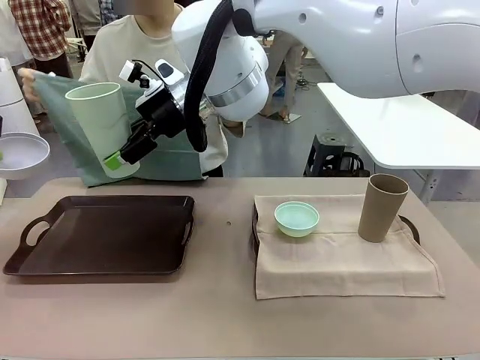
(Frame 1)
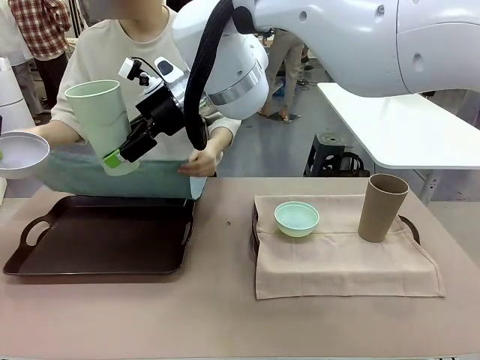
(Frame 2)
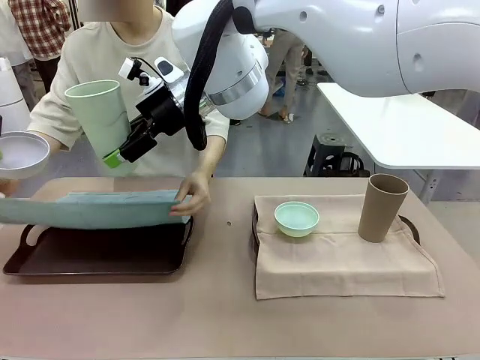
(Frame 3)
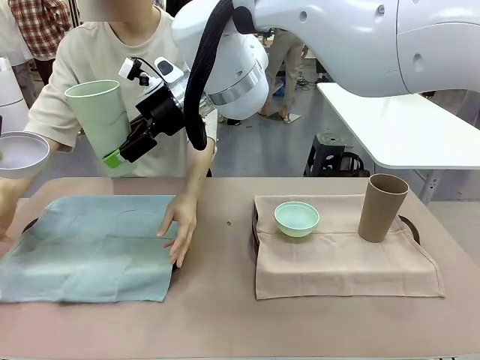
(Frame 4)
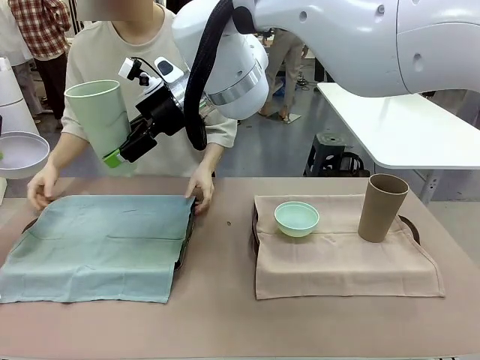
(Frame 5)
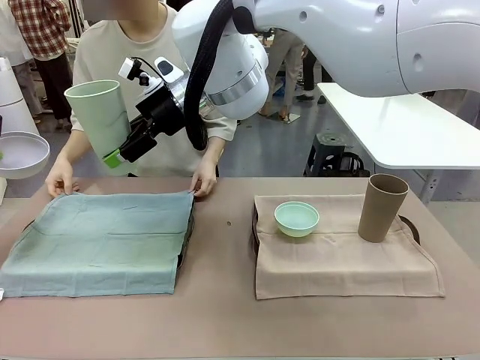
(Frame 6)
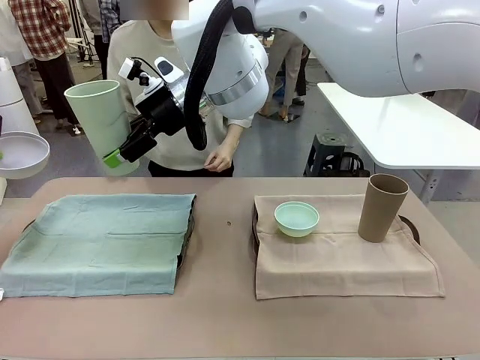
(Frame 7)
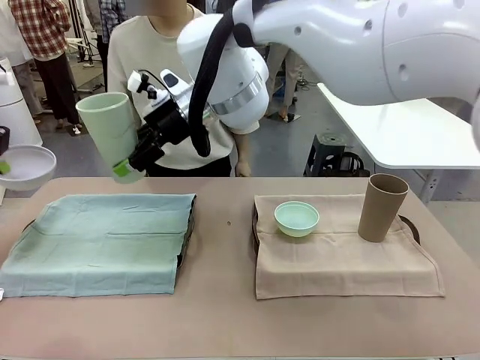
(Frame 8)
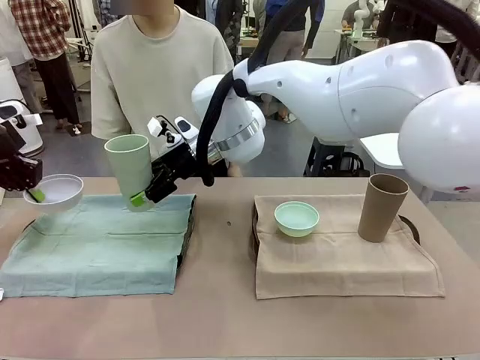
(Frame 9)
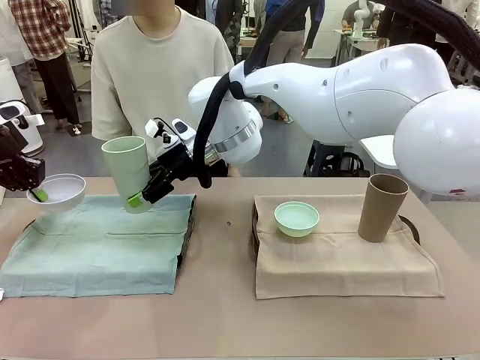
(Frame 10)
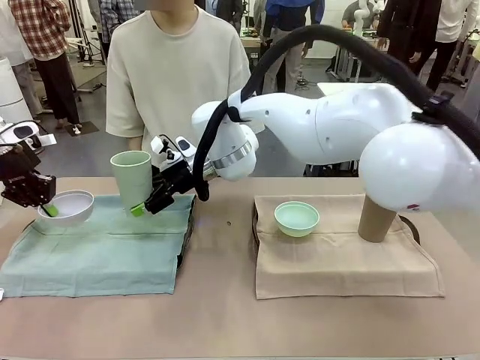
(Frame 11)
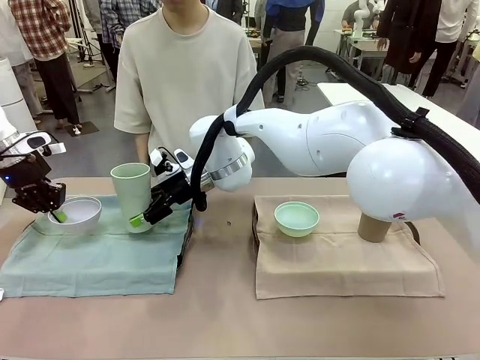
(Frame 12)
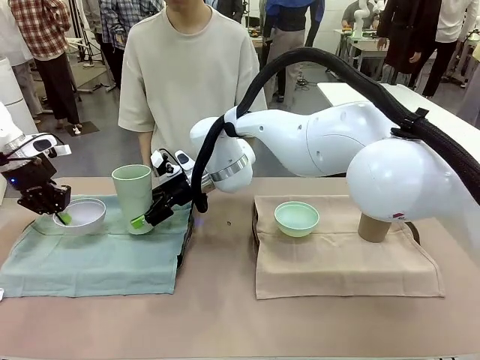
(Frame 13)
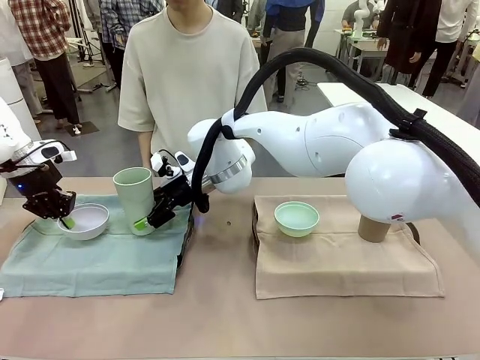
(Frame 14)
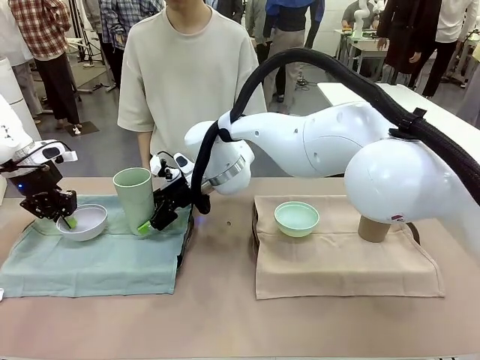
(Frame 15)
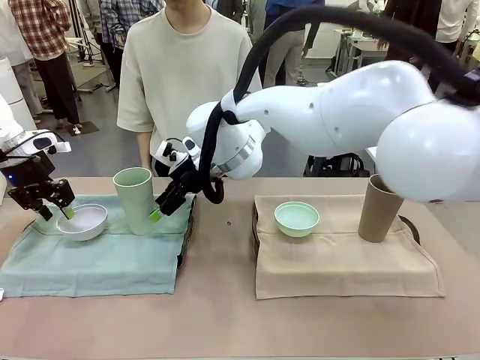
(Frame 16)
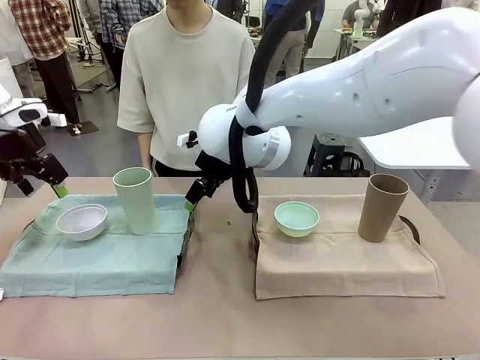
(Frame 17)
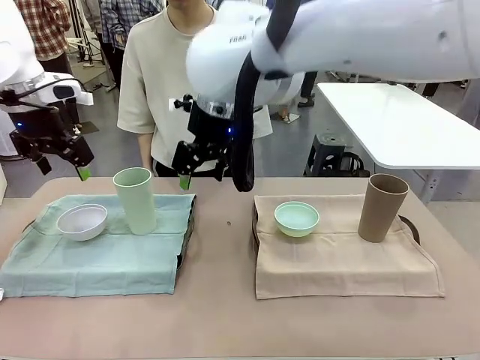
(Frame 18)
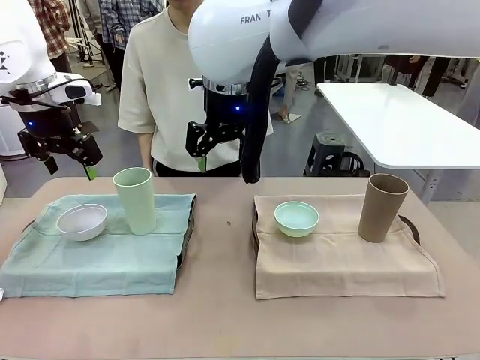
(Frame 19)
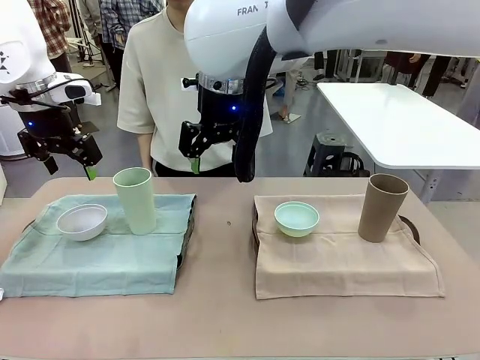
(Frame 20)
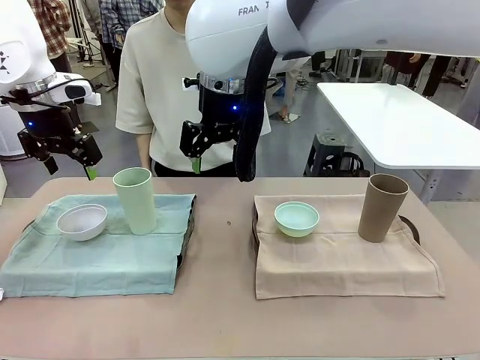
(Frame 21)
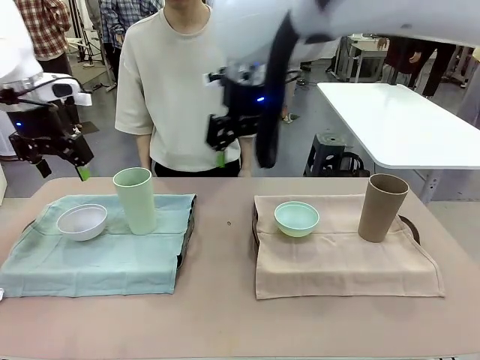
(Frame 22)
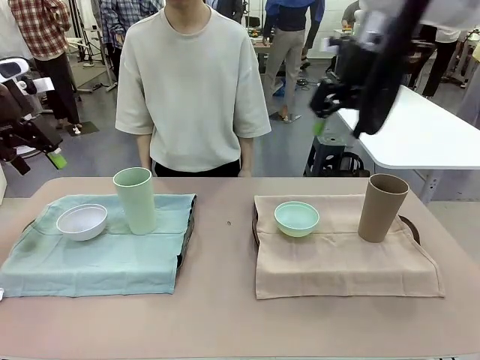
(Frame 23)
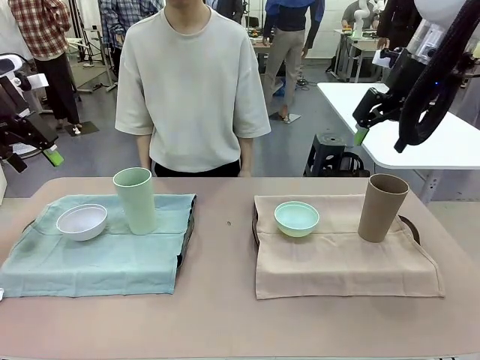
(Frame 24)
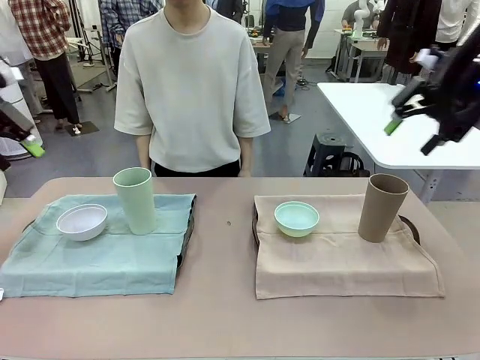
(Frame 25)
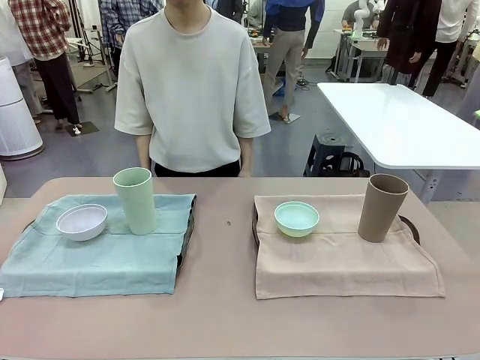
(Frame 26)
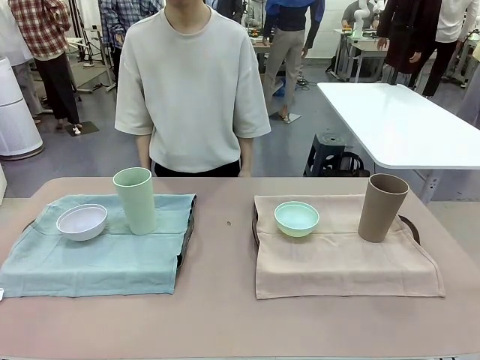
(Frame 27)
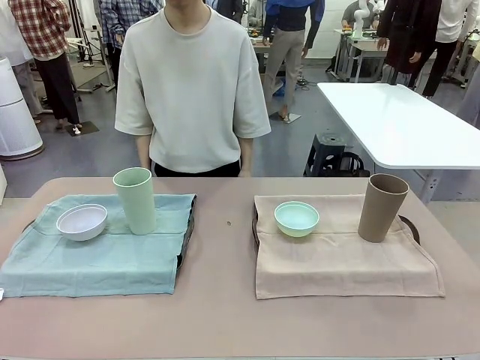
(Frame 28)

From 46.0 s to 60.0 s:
Robot: Place the Picnic Bowl and Reusable plastic cup back onto the Handle tray in front of the human's position.

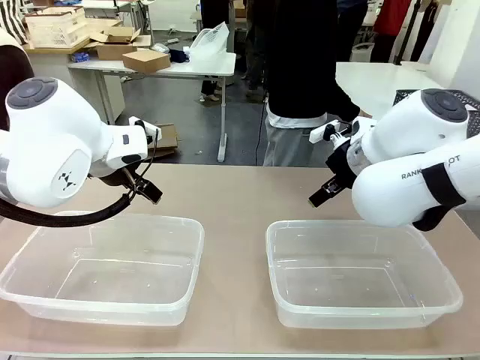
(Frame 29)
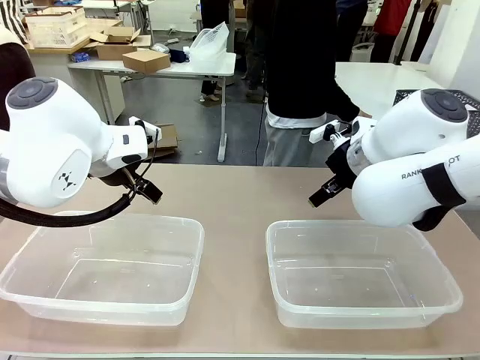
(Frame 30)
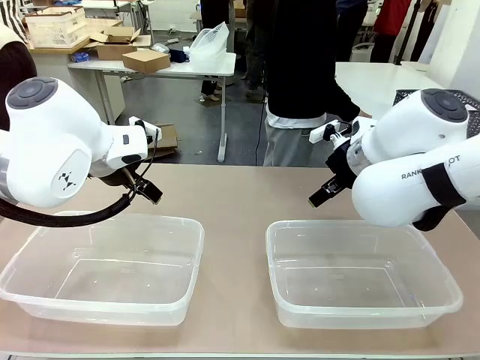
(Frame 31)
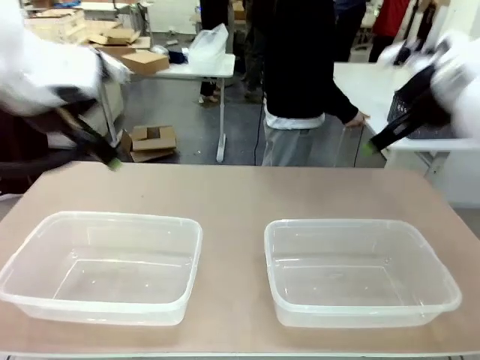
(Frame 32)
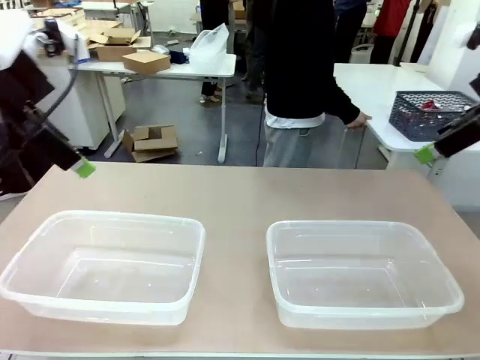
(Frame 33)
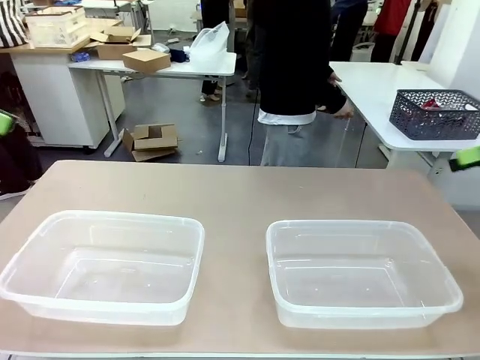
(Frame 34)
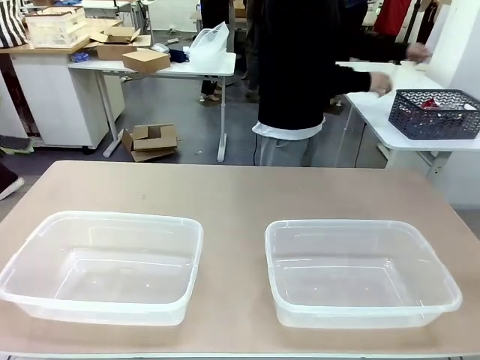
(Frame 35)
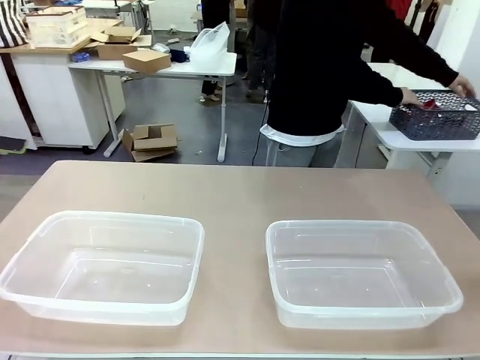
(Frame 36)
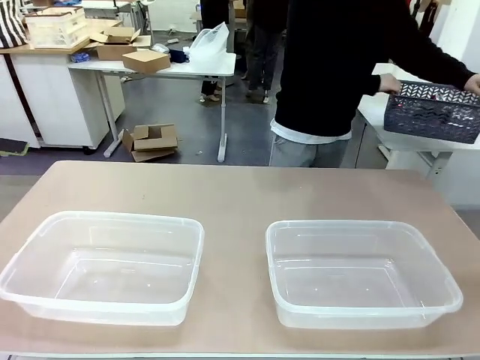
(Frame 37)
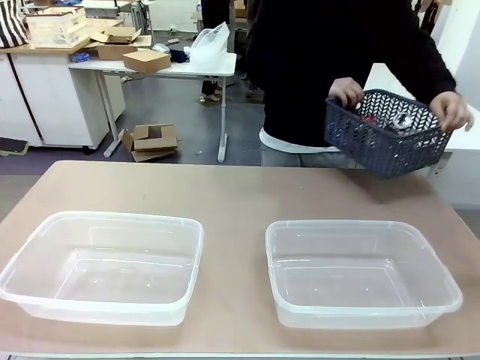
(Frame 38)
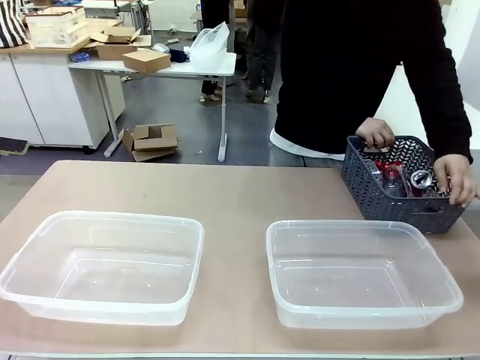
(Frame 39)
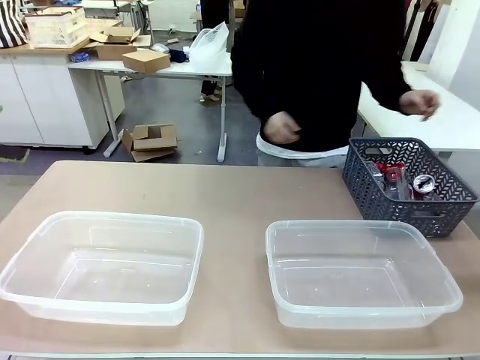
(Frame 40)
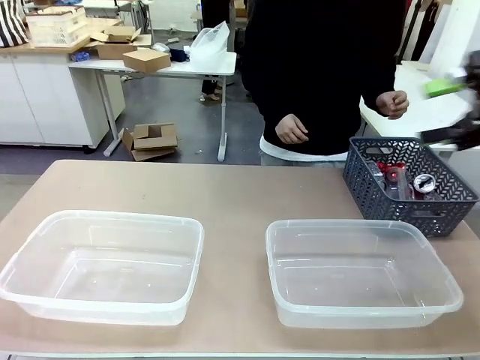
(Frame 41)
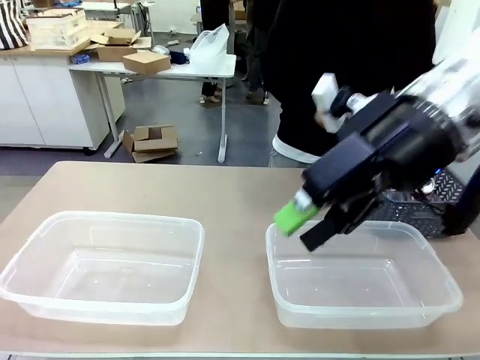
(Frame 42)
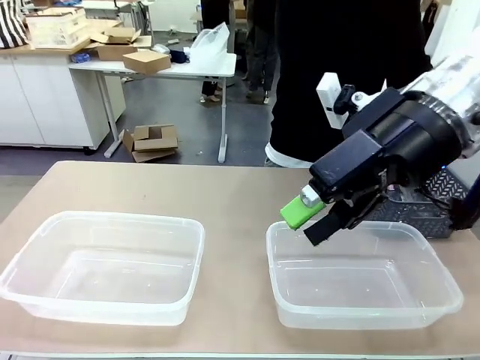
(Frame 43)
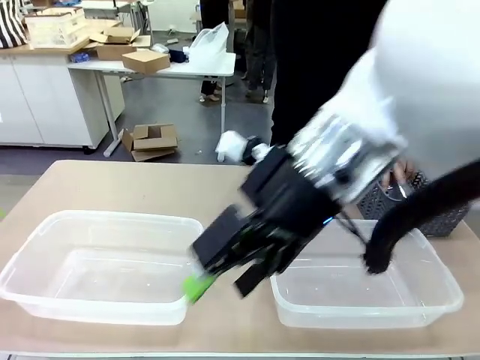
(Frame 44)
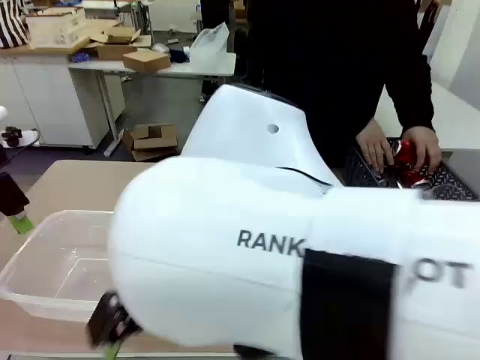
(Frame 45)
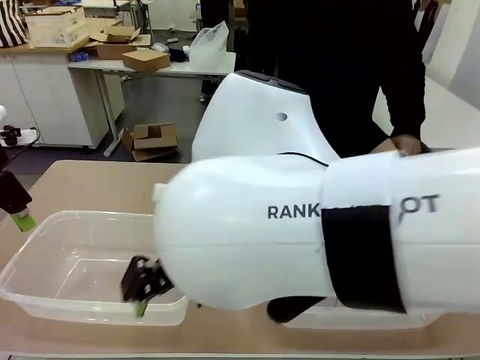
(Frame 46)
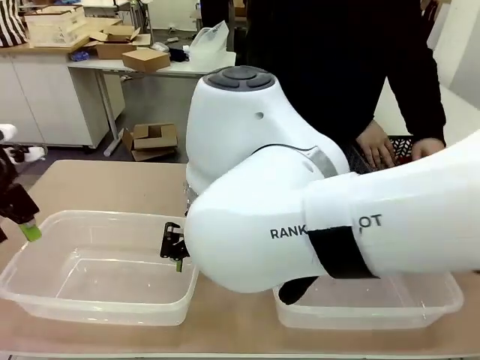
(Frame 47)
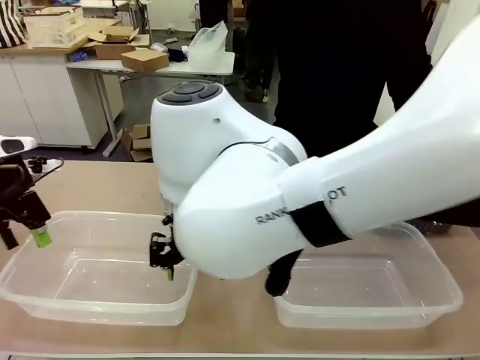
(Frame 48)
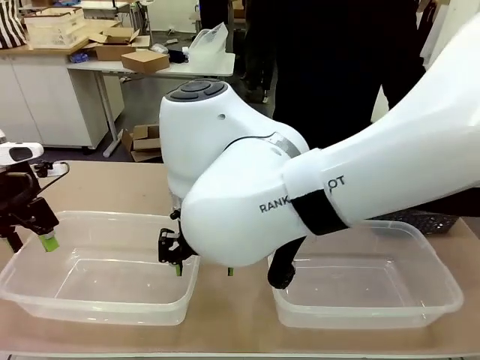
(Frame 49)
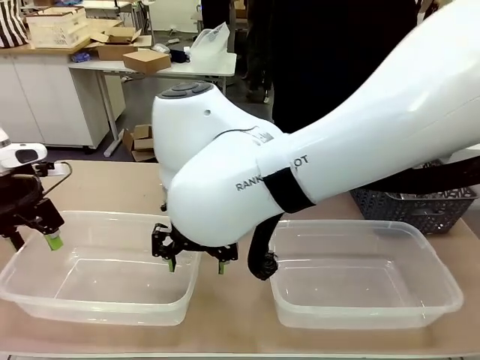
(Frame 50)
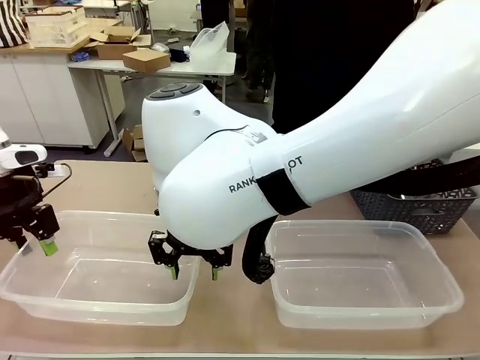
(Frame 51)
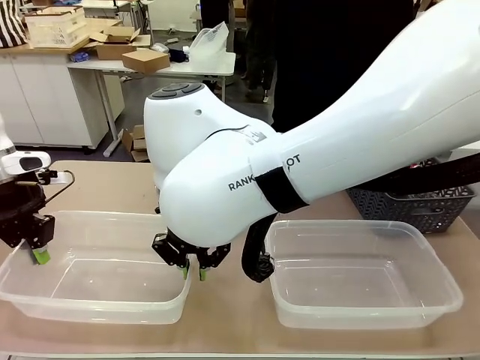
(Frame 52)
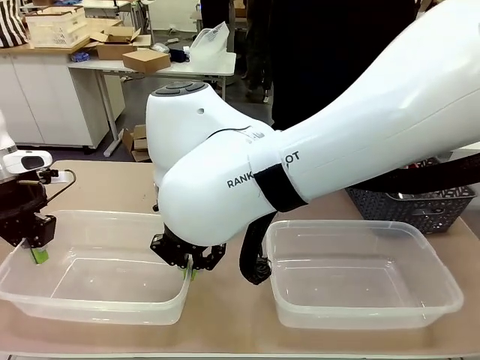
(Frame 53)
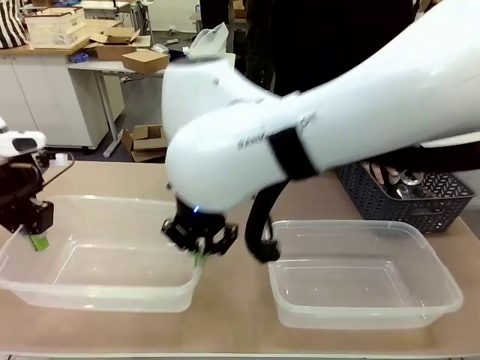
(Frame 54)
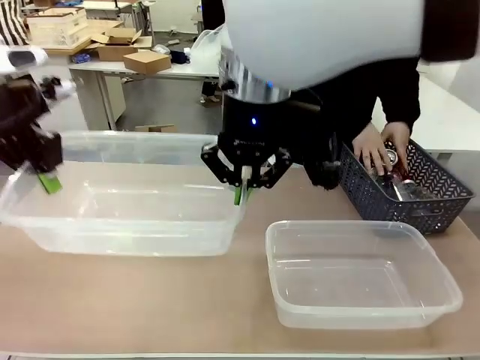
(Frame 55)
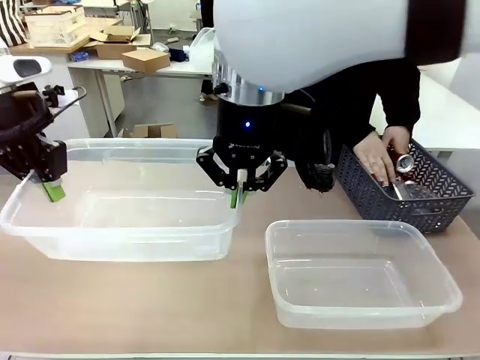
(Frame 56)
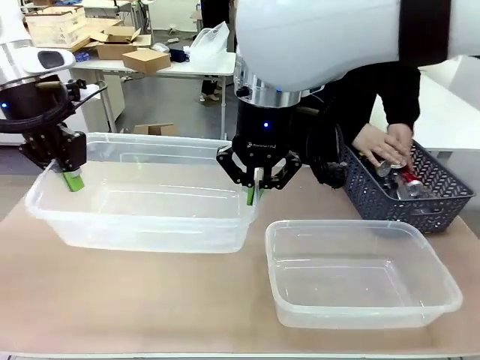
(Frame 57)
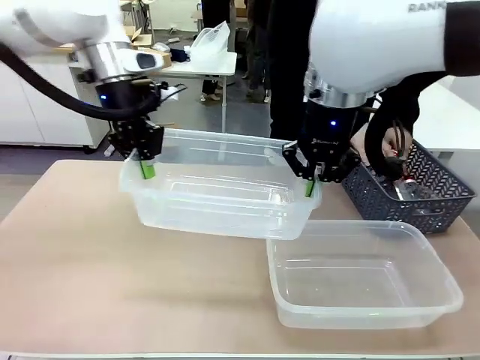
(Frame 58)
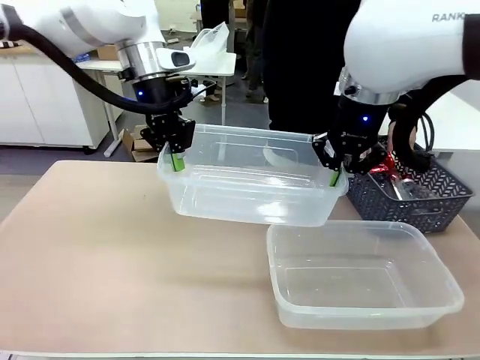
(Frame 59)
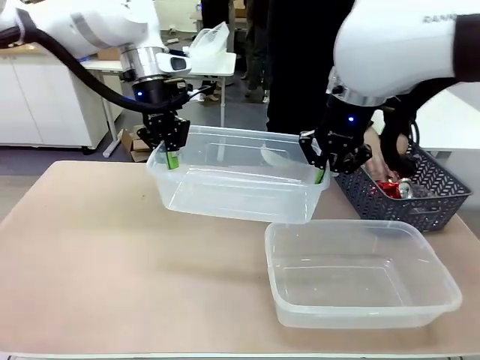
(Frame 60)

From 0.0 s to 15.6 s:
Robot: Pick up the Organizing box on the left side of the table and lift it.
Person: Pick up the storage basket and place it on the left side of the robot table. Pick up can-shaped waste one by one and place it into the organizing box lifted by the robot.
